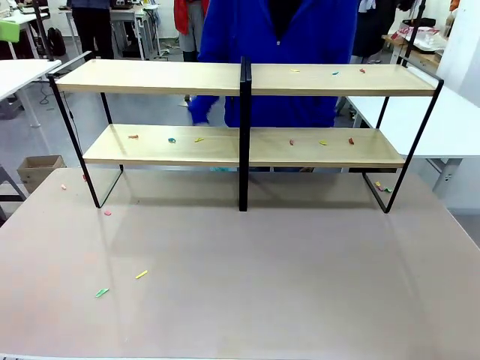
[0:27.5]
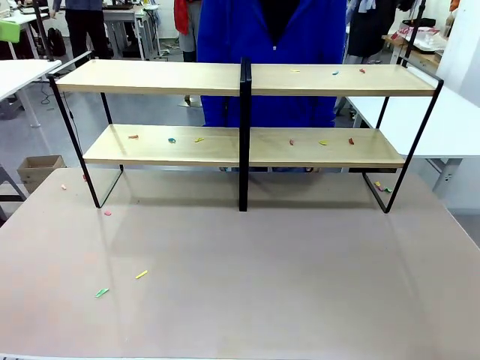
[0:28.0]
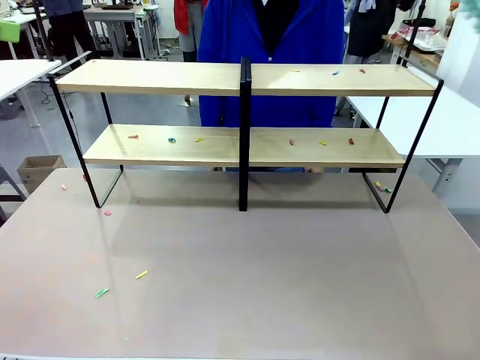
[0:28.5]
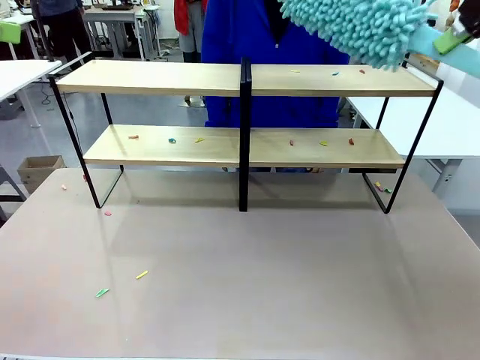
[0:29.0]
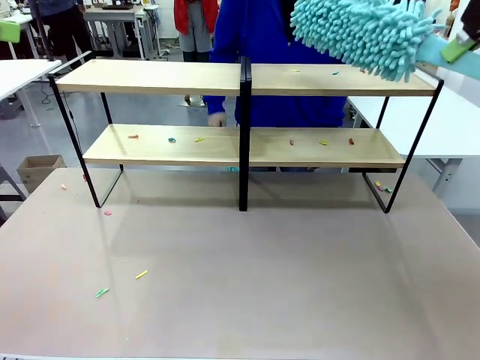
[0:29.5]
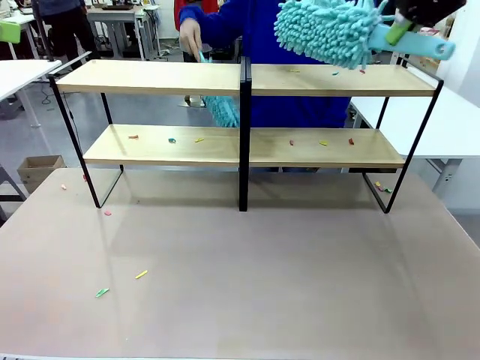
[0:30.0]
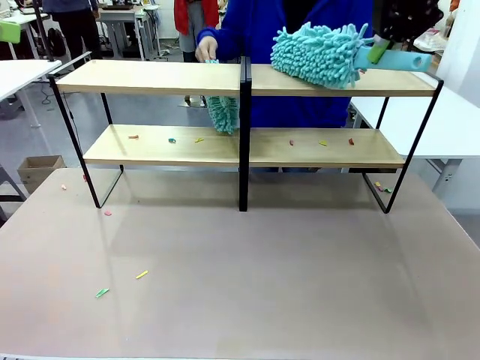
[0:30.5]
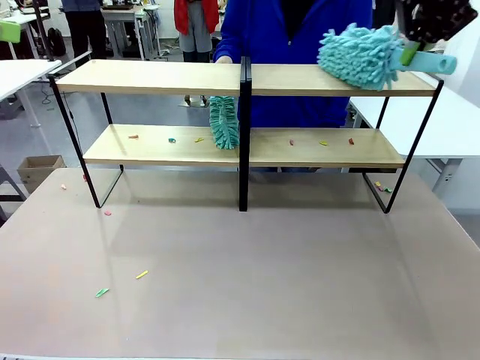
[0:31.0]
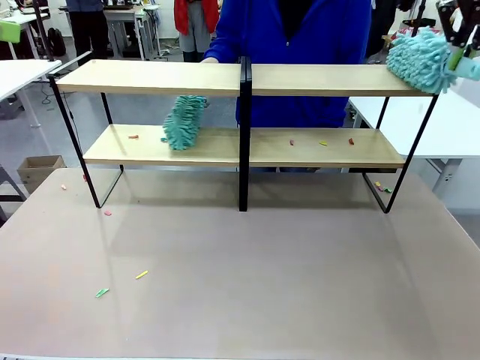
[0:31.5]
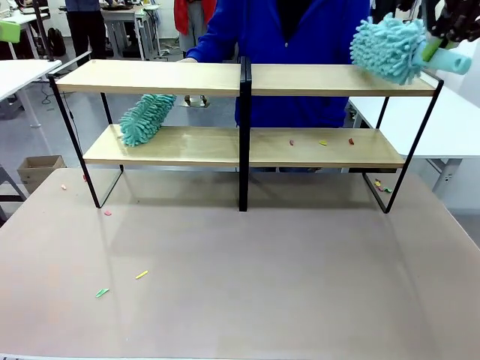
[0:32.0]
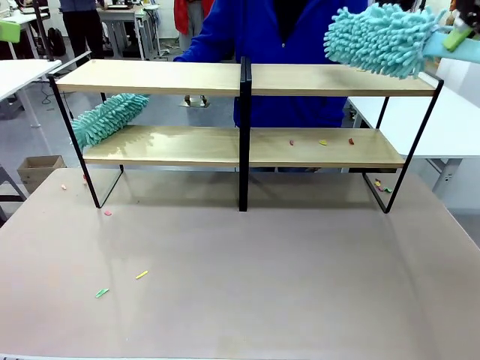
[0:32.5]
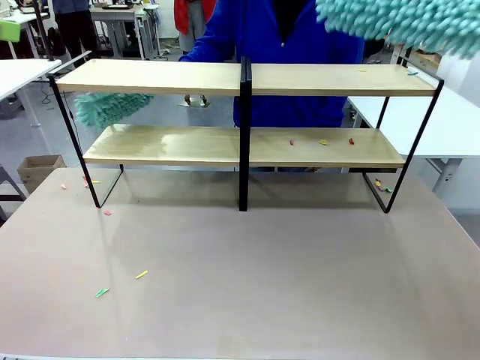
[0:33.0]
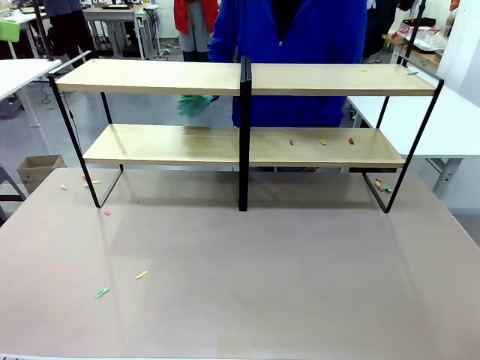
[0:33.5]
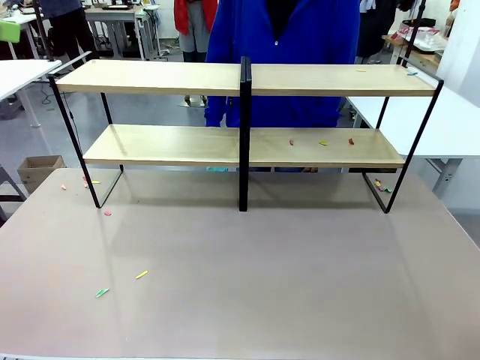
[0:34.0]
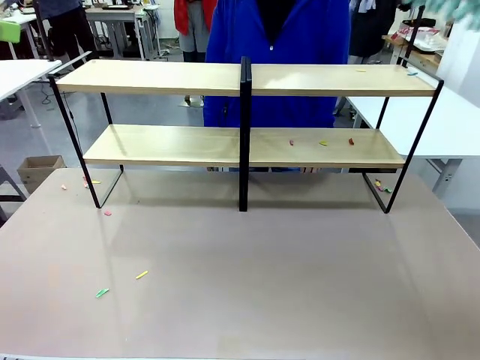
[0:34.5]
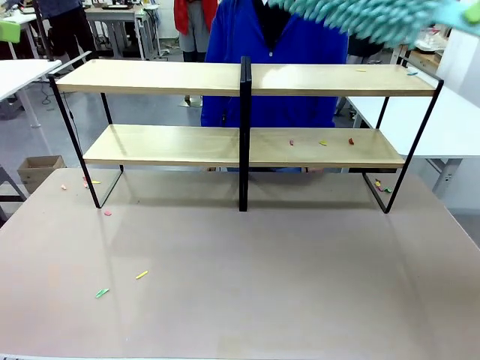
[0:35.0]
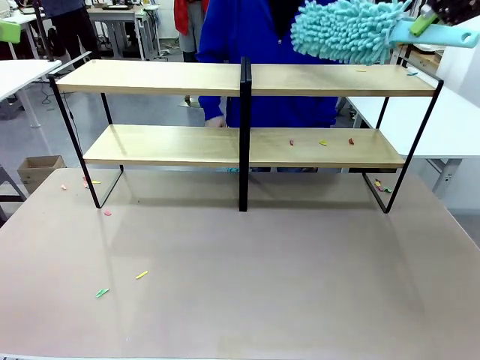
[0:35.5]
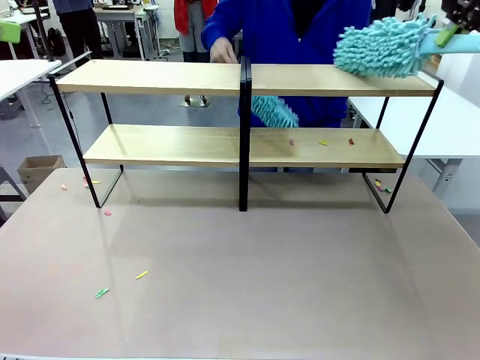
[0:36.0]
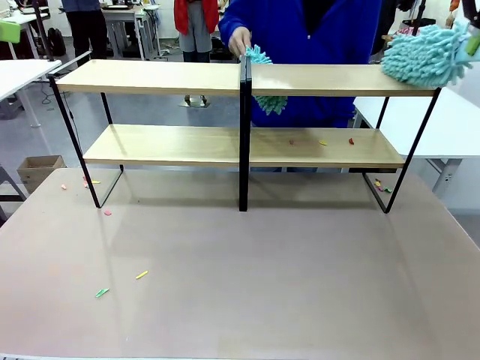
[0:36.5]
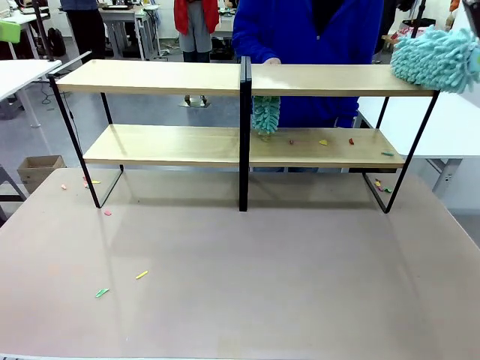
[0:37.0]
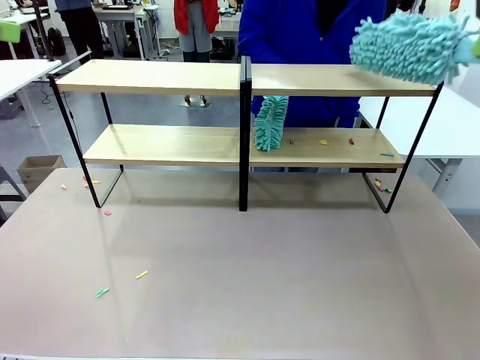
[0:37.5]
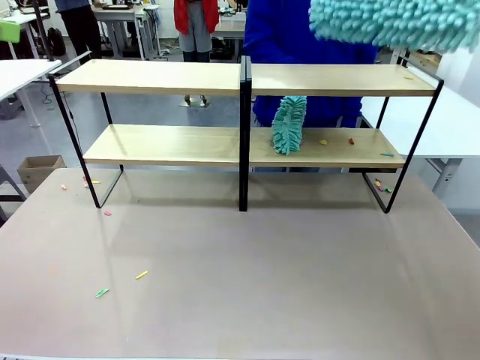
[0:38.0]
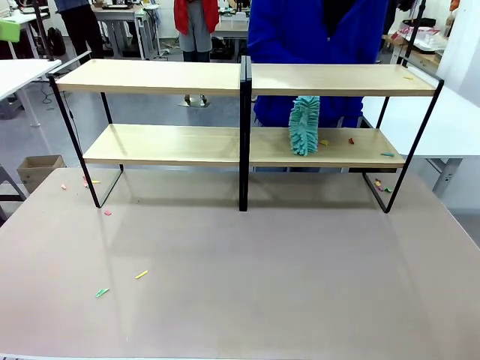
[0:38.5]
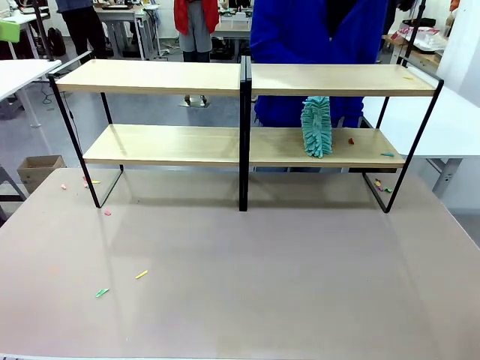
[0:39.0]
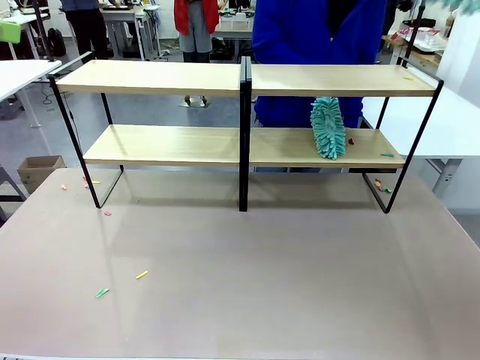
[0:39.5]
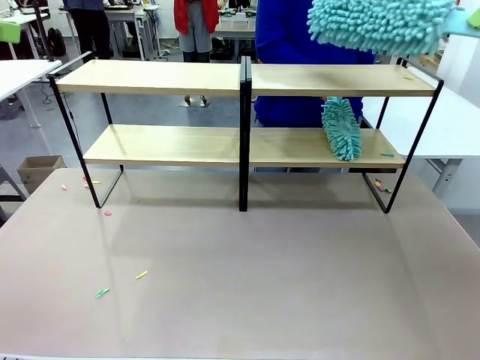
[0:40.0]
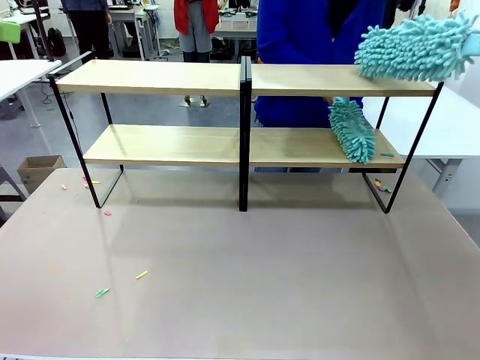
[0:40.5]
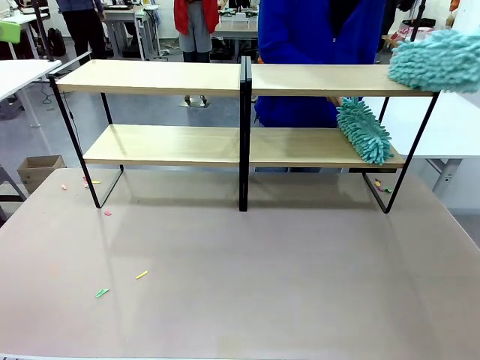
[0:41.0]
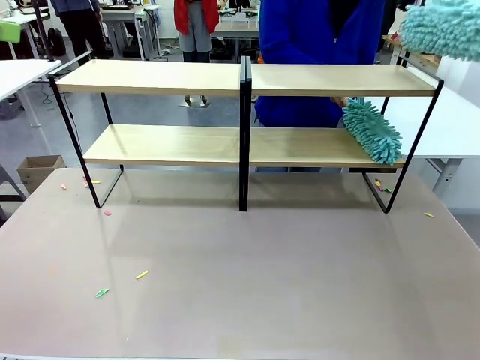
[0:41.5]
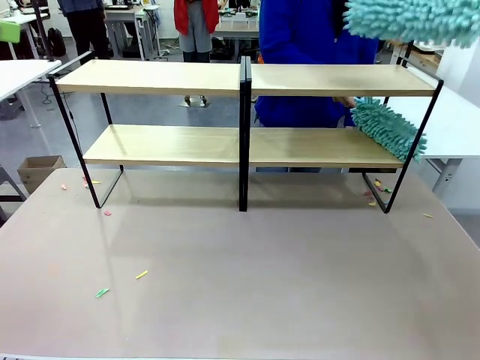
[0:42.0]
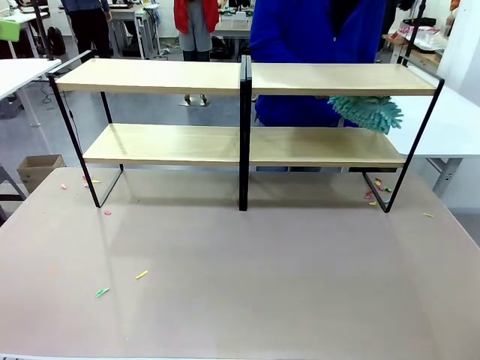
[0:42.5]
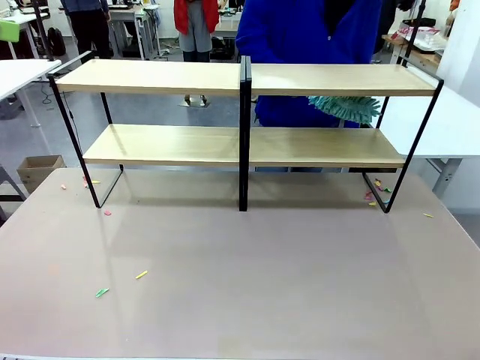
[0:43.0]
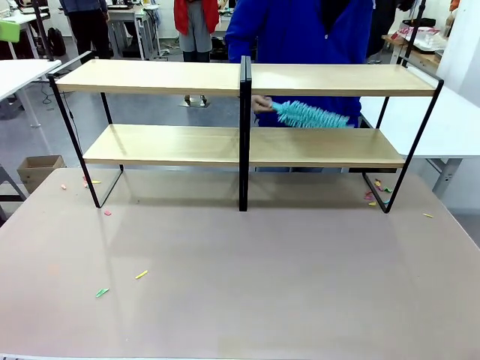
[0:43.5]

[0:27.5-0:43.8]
Task: Clean the shelves.
Robot: Clean another randomly selected level of the Shelf with the Duster.

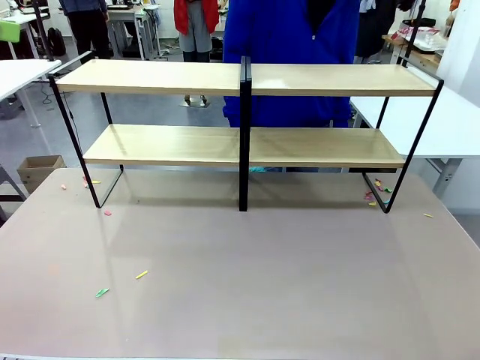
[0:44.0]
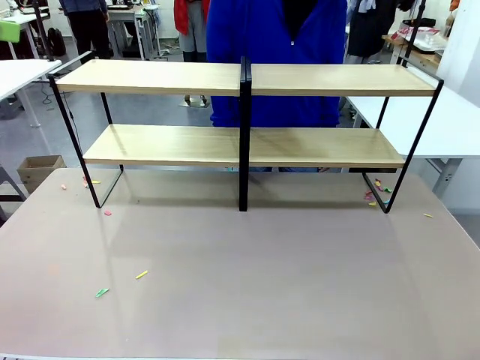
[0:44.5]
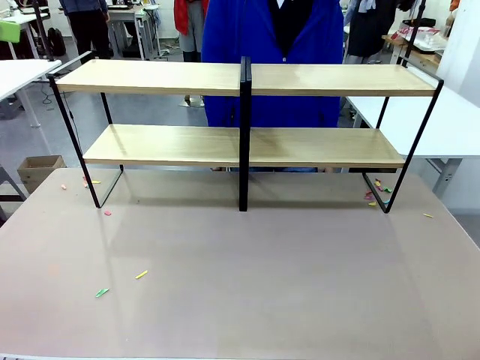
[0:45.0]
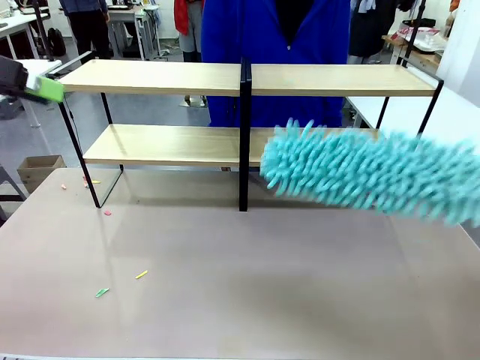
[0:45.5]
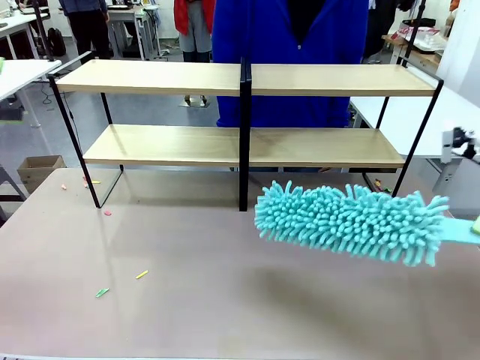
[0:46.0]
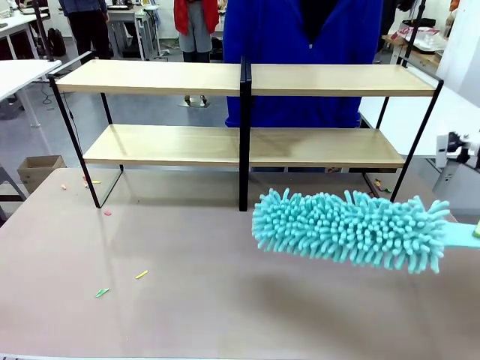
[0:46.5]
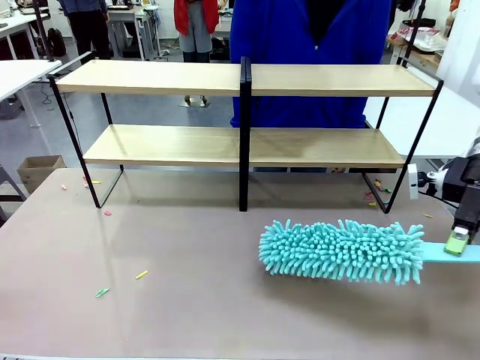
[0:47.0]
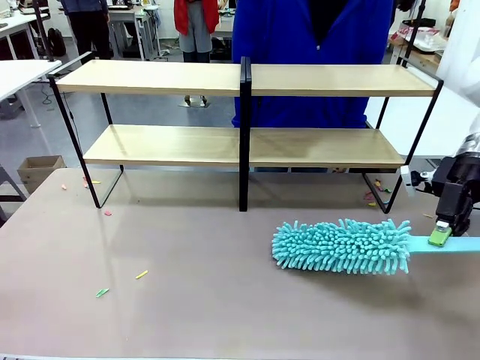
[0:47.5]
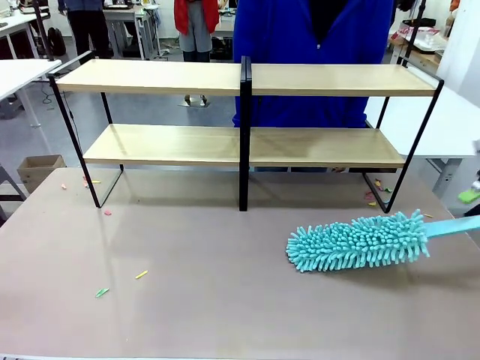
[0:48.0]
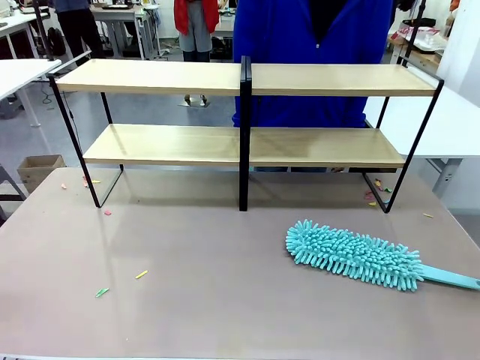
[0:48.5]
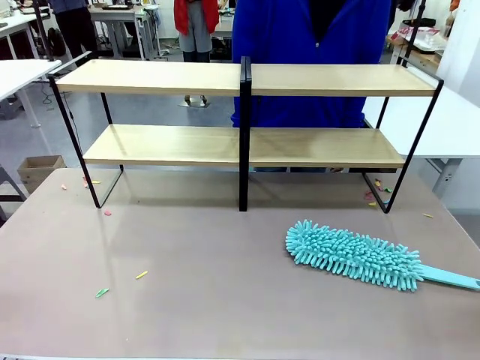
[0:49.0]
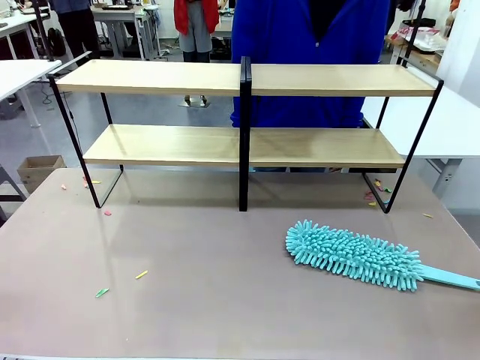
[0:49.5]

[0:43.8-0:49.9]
Robot: Place the Duster on the table.

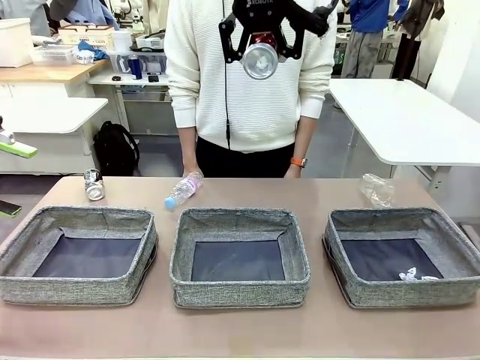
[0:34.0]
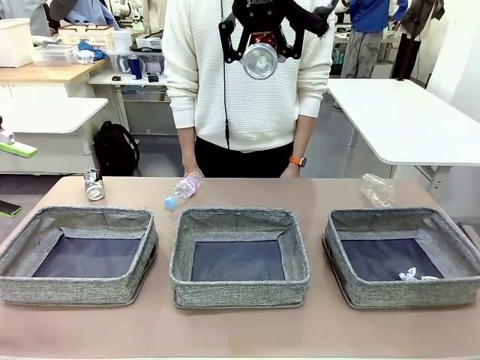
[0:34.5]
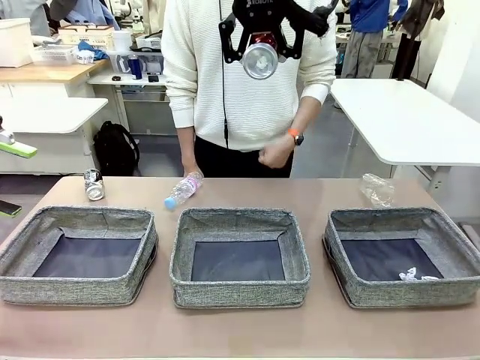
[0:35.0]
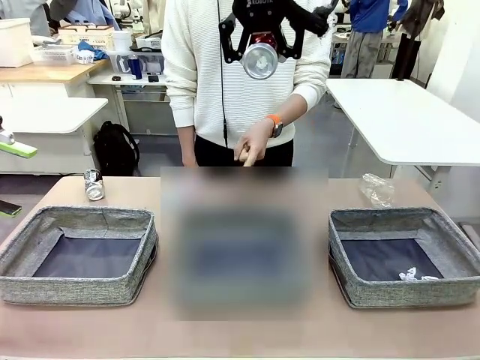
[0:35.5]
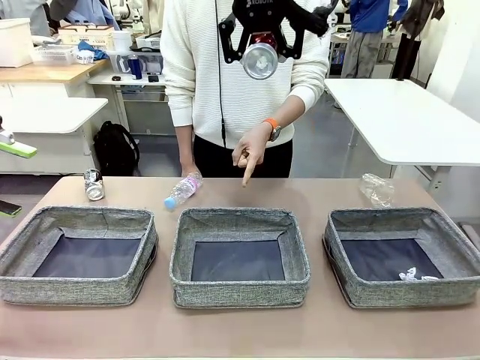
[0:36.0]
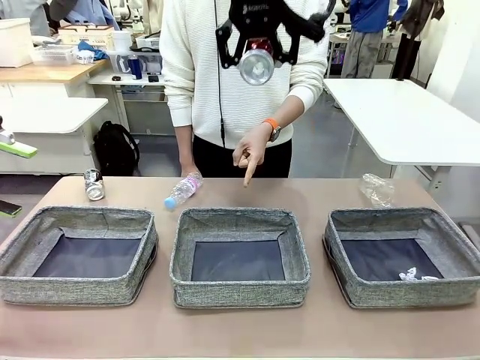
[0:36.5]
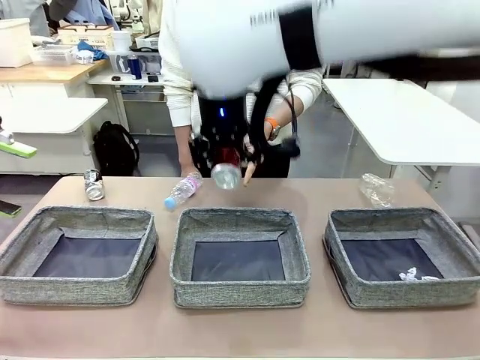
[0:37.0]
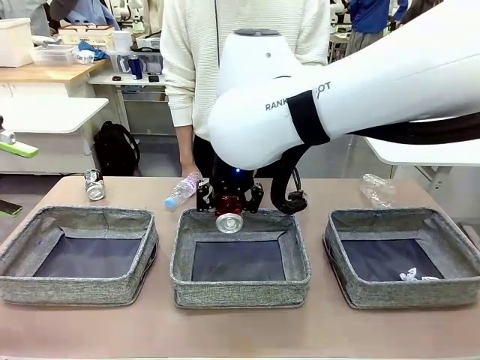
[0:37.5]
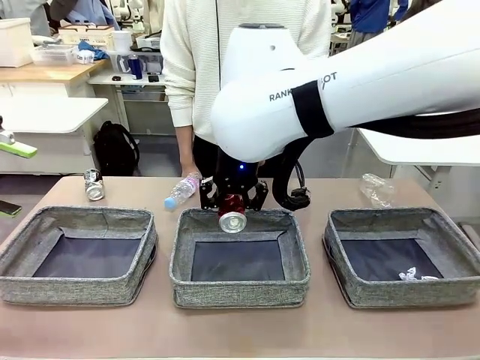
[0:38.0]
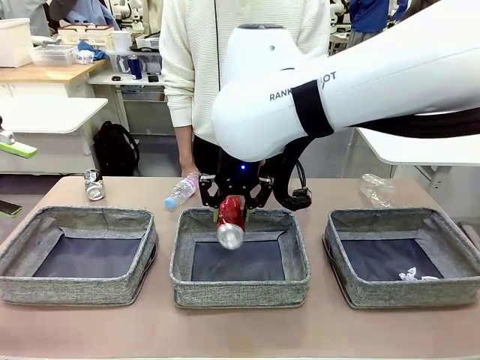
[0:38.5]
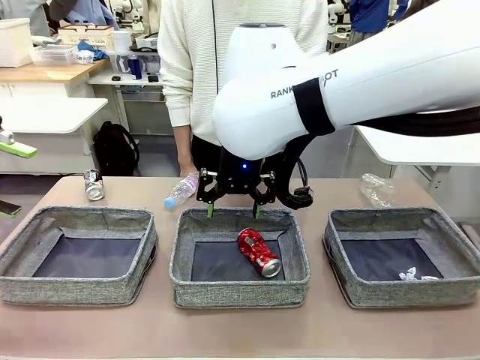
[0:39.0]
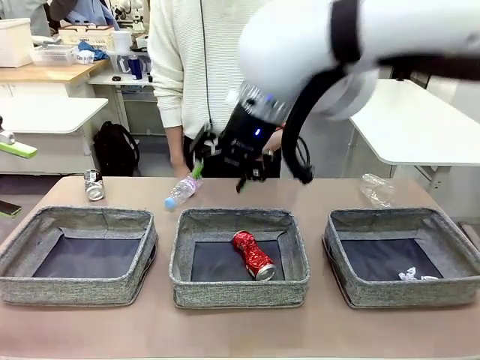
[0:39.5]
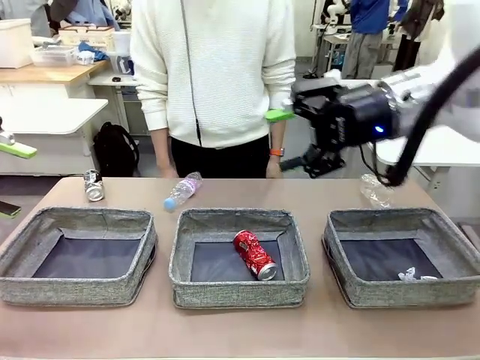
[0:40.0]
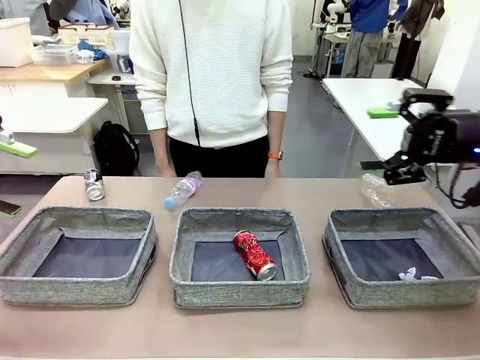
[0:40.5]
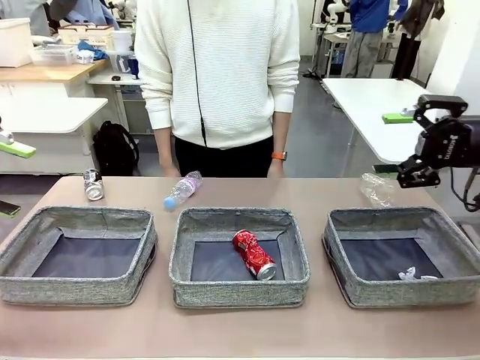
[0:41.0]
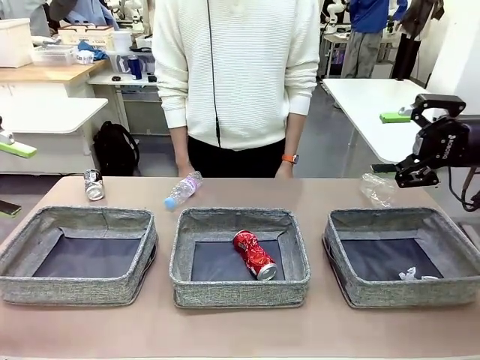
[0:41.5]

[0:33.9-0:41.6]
Task: Sort the waste into the appropriate baskets.
Robot: Place the picked waste into the Fabric basket indicated by the person.
Person: Instructs the robot to place the picked-up trash into the appropriate organizing basket.
